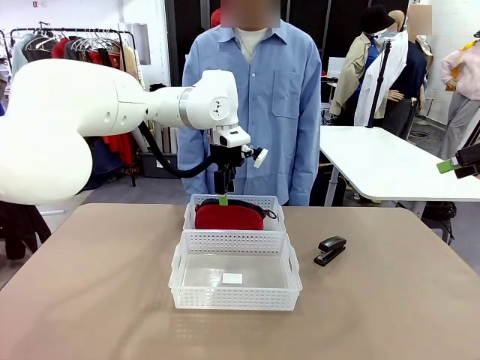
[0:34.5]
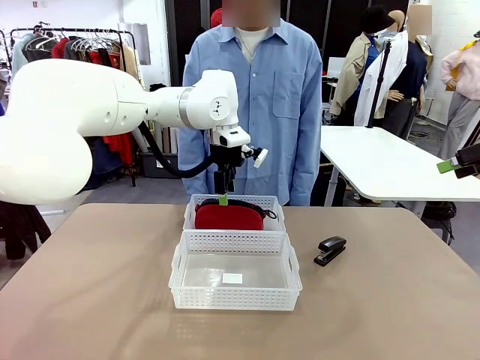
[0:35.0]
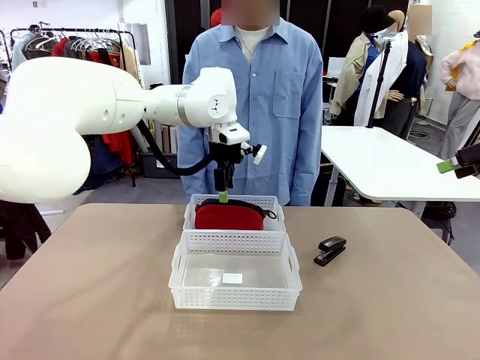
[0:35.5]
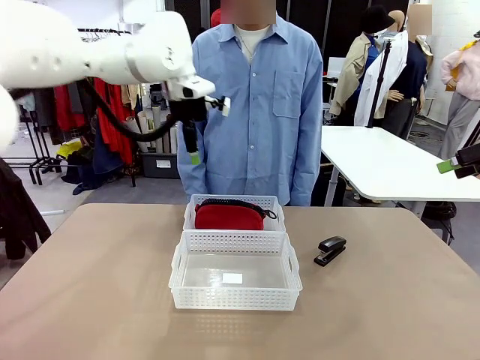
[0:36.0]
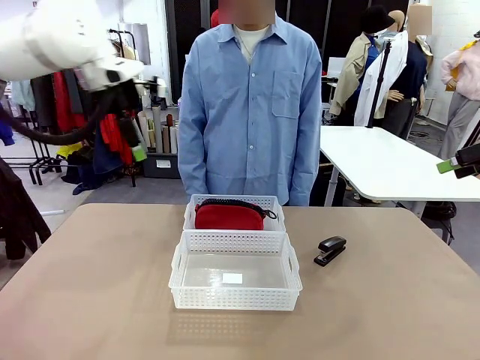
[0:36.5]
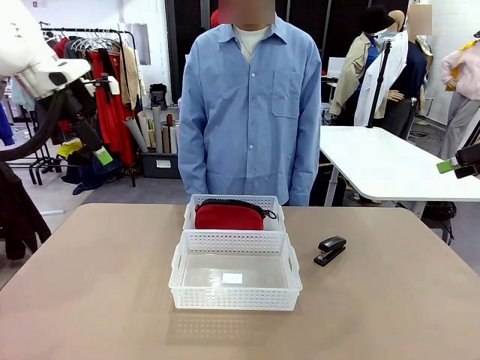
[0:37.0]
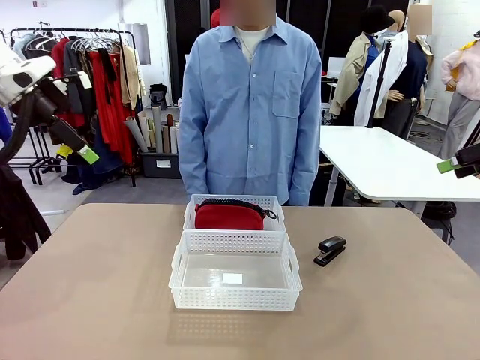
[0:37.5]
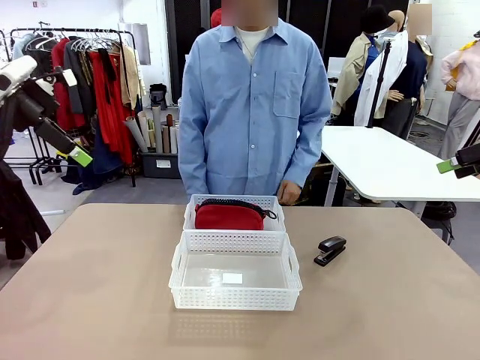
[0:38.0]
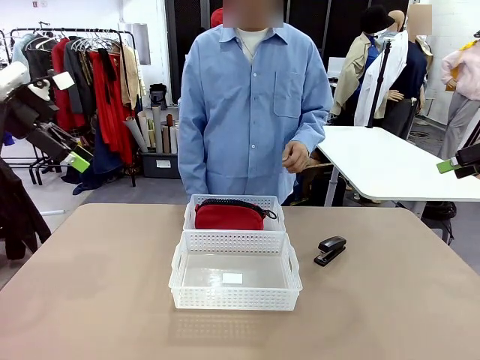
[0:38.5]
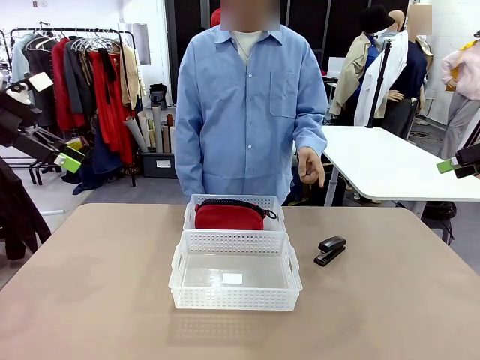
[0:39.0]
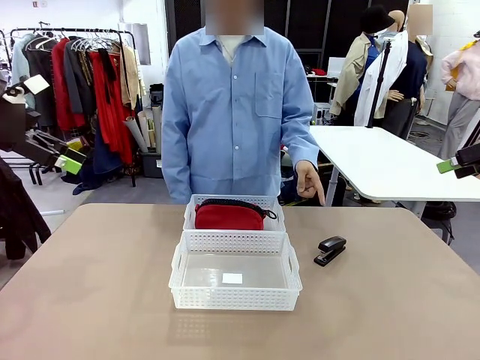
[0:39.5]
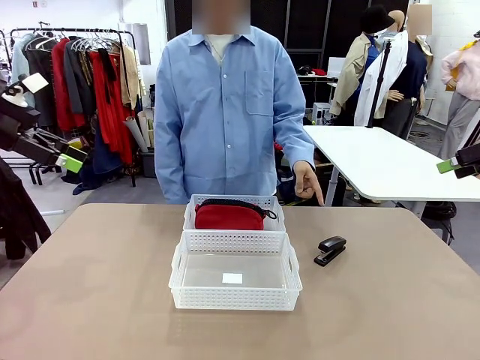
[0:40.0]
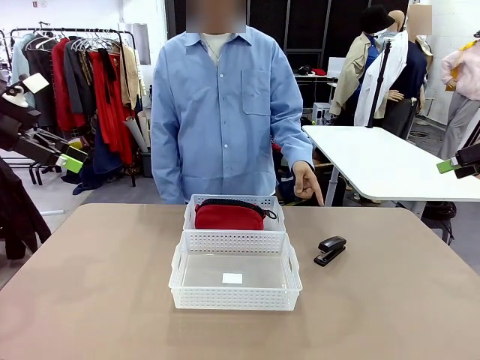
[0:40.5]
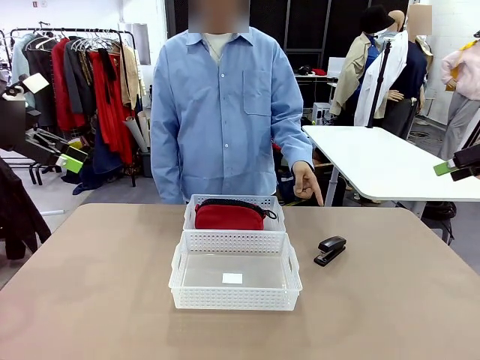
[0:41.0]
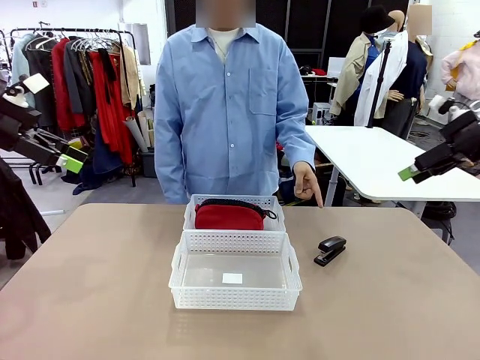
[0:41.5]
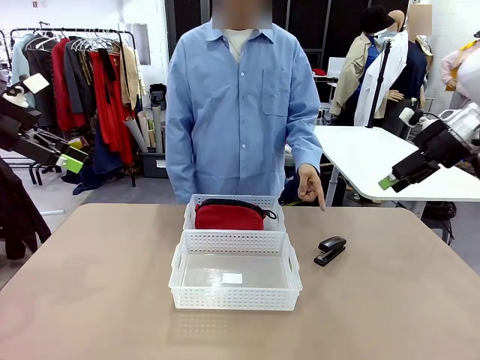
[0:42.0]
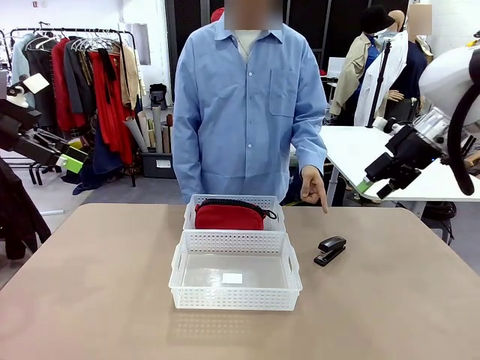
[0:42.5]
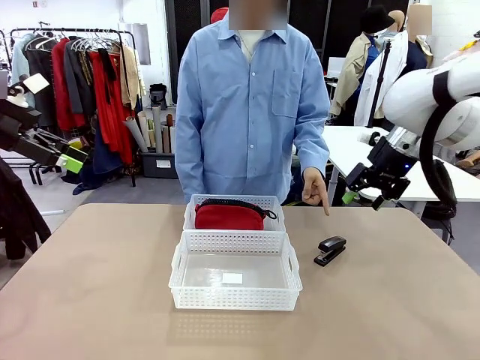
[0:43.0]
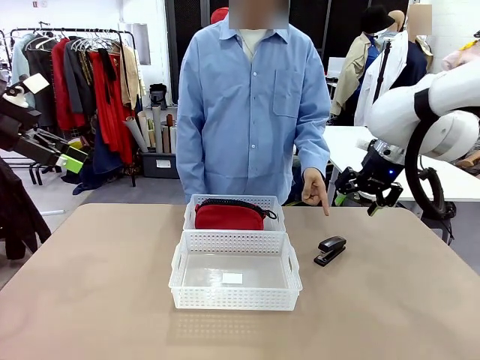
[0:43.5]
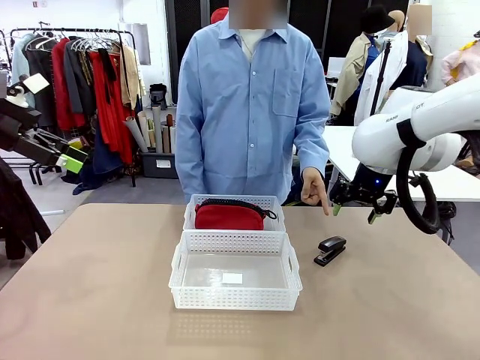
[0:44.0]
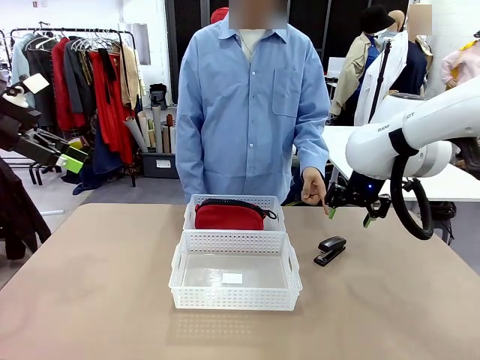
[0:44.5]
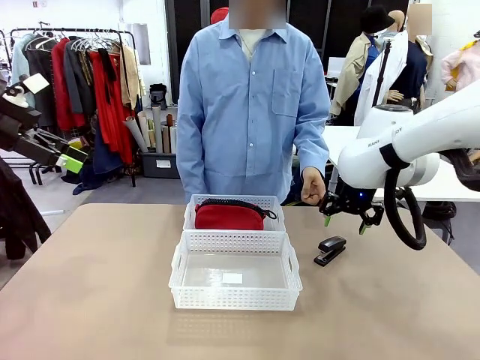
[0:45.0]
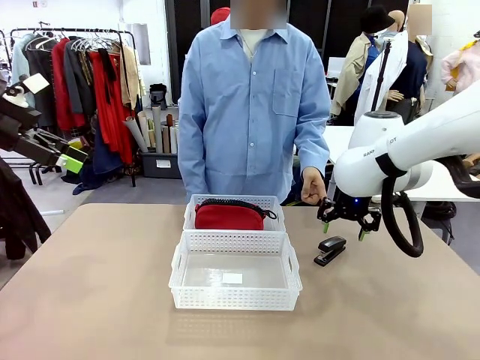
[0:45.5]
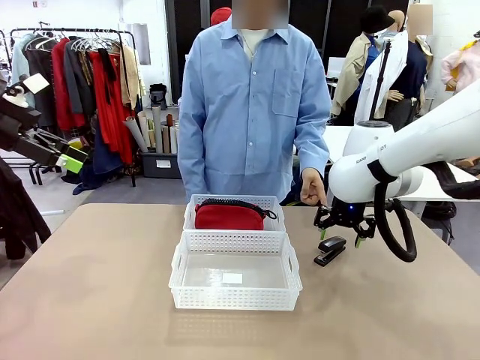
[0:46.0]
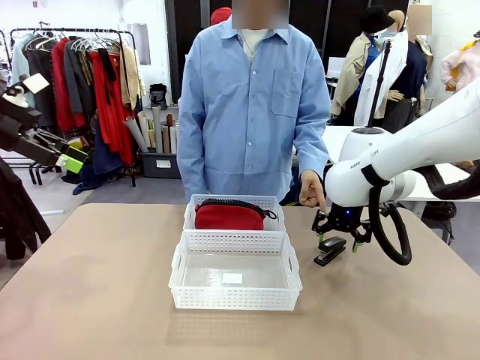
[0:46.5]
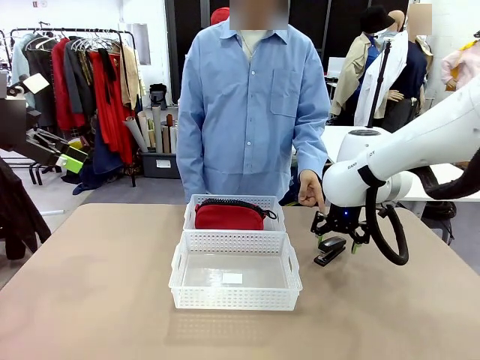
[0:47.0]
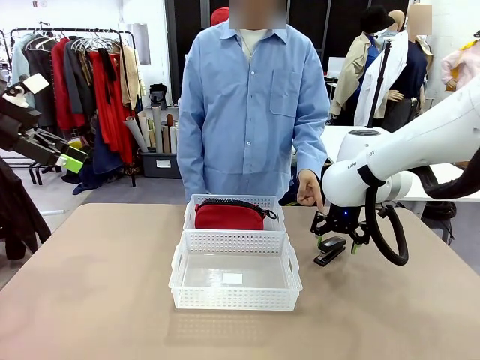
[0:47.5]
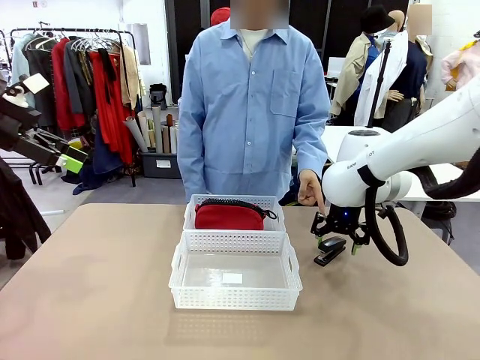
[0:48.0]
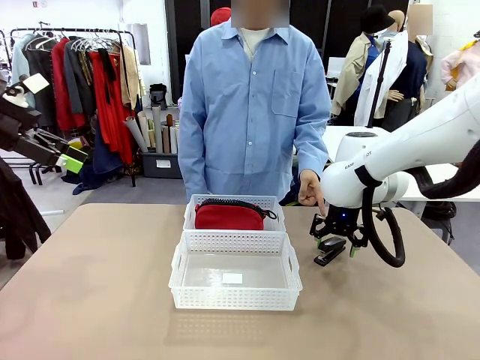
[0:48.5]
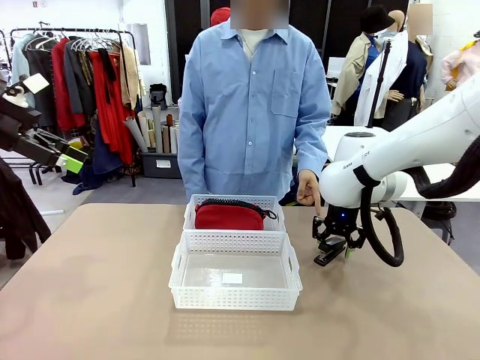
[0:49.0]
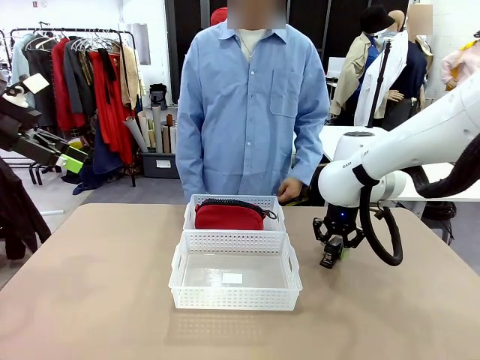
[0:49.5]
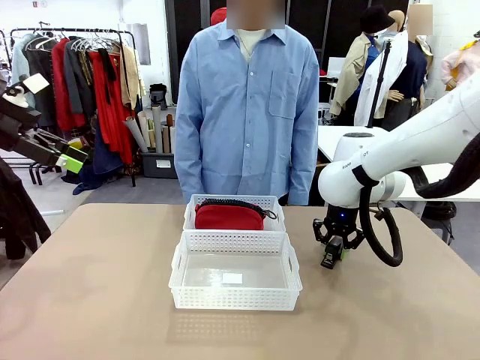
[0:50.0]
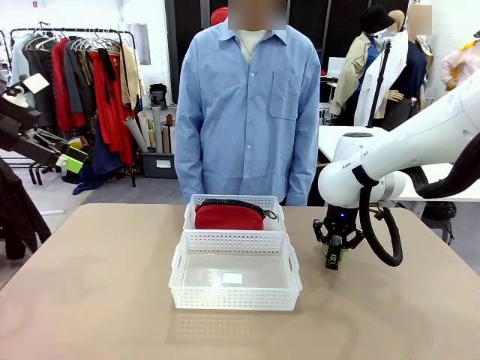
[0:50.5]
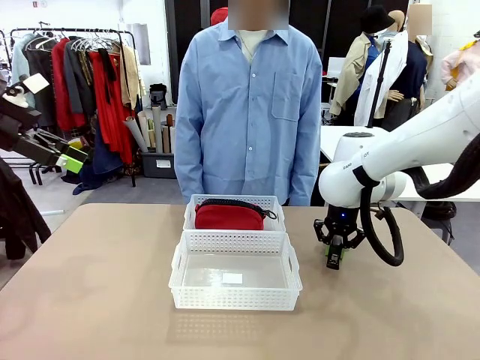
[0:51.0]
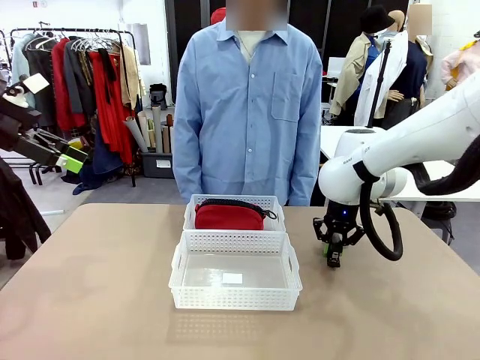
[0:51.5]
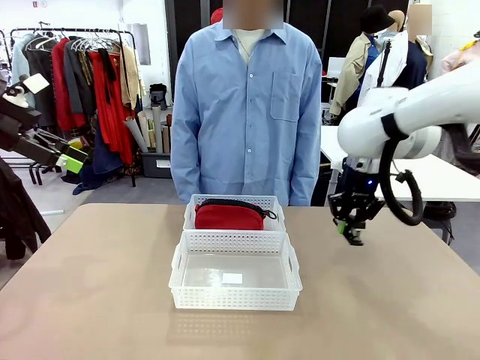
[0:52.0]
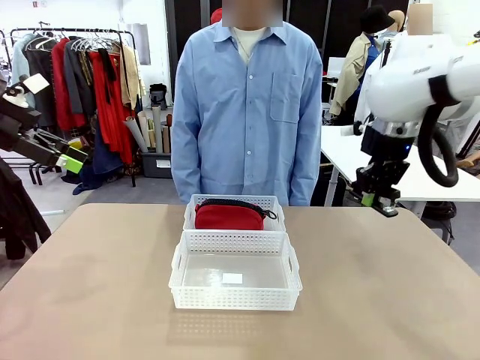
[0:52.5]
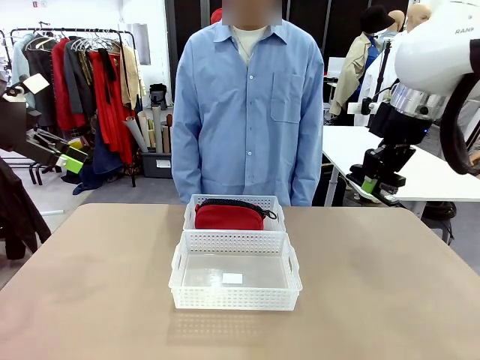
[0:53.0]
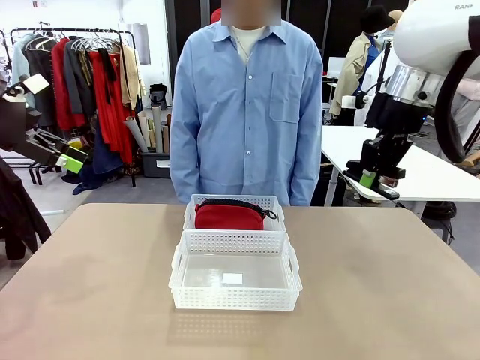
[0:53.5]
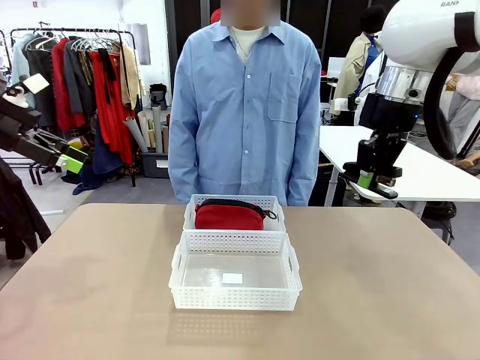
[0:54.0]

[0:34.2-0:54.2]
Task: Distribute items into two baskets.
Robot: Pick up the Stapler that the person points to.
Person: Points to the basket that does not contain the pencil case and instructs the robot to move the stapler there.

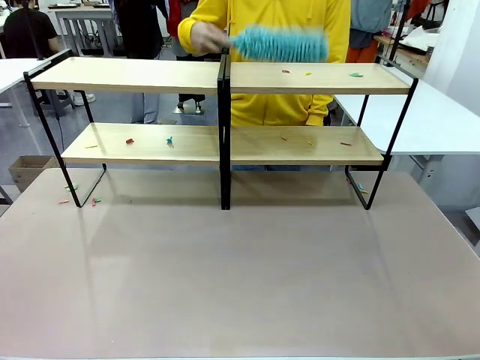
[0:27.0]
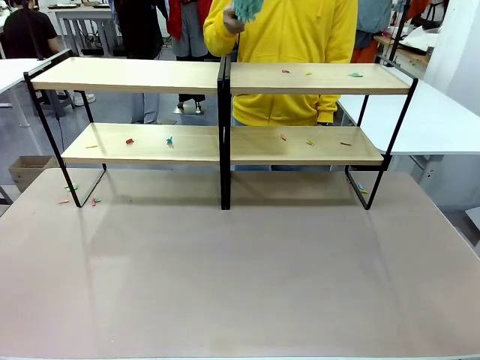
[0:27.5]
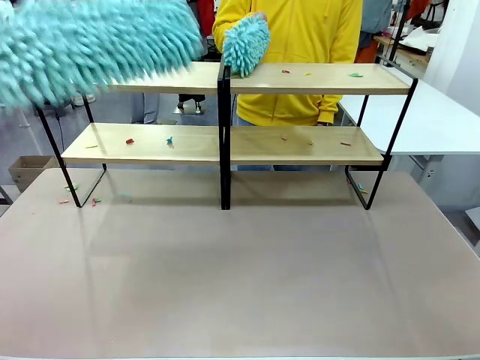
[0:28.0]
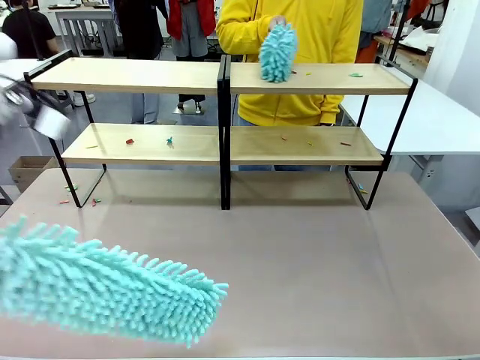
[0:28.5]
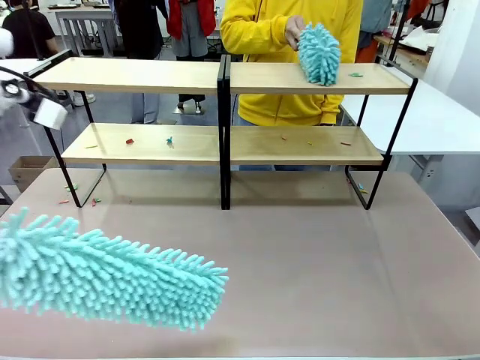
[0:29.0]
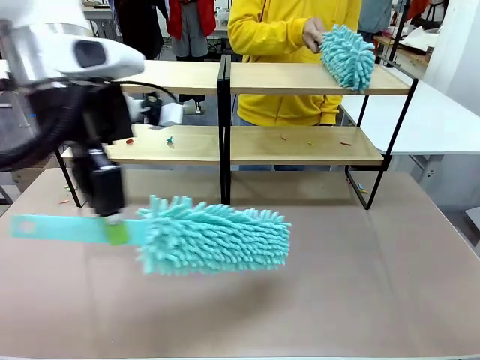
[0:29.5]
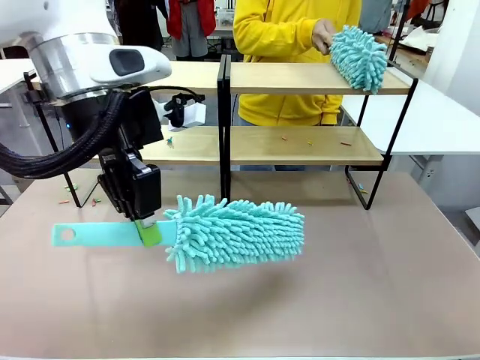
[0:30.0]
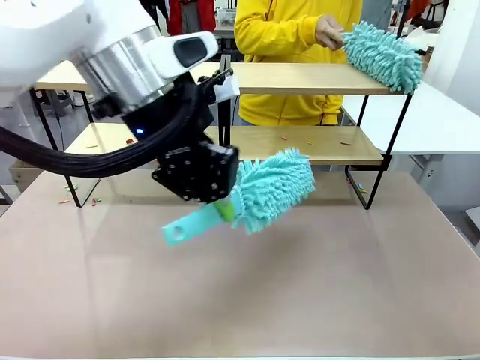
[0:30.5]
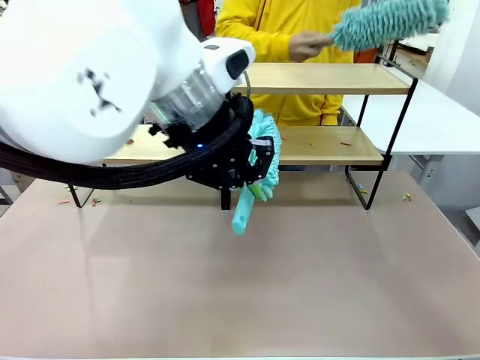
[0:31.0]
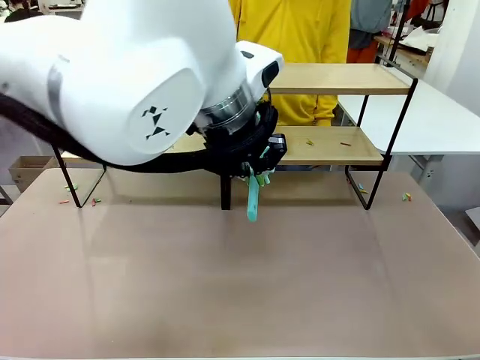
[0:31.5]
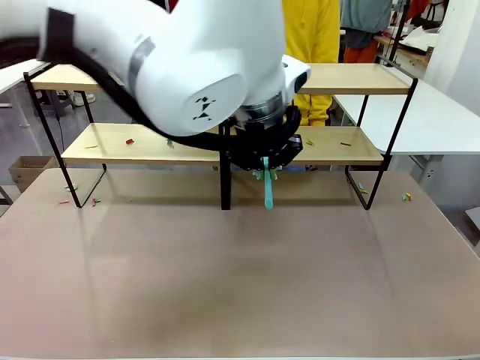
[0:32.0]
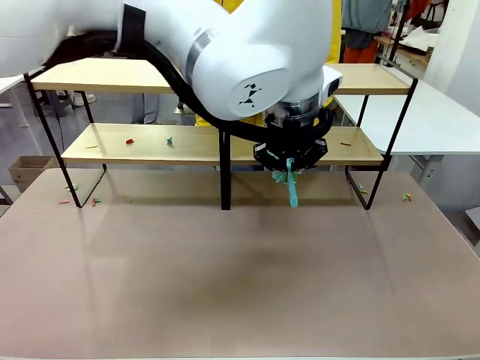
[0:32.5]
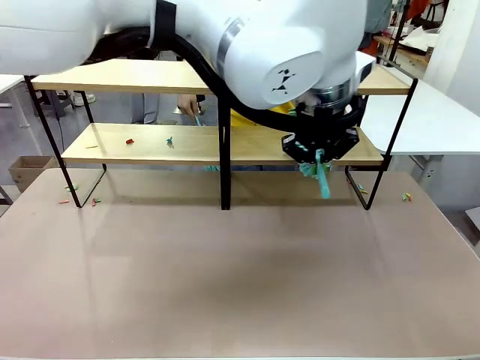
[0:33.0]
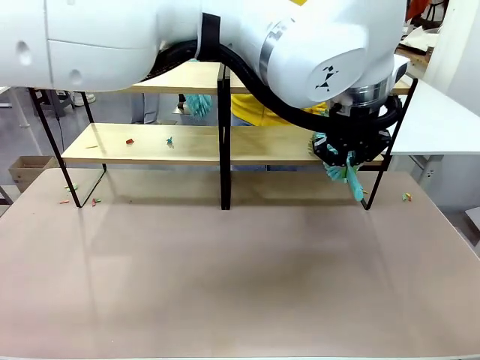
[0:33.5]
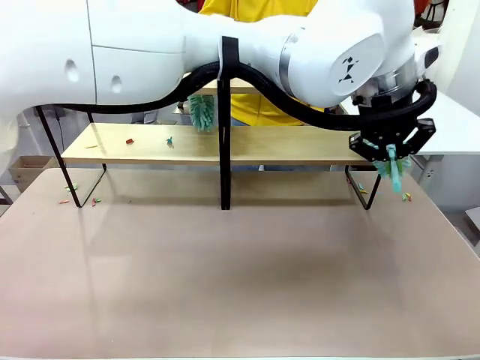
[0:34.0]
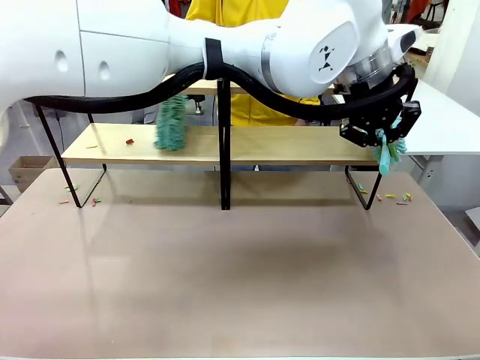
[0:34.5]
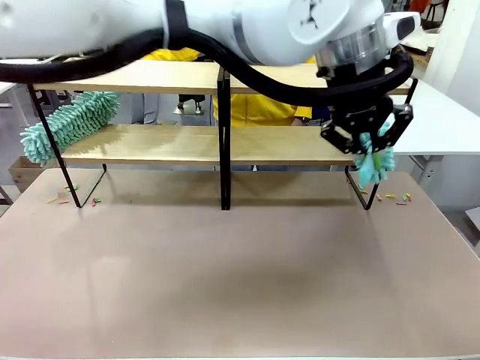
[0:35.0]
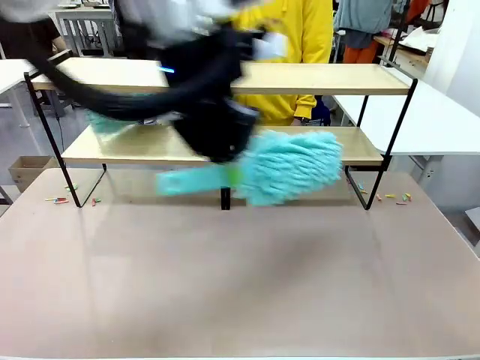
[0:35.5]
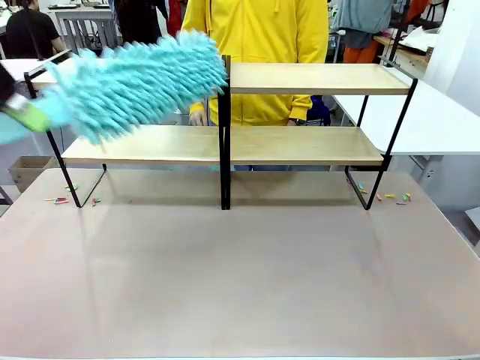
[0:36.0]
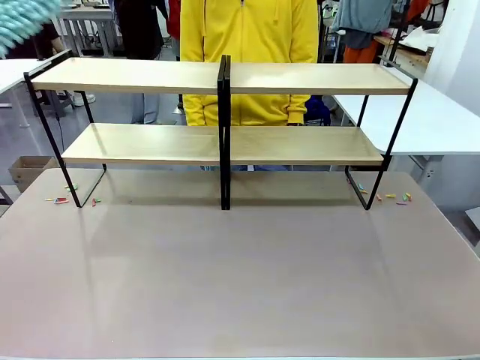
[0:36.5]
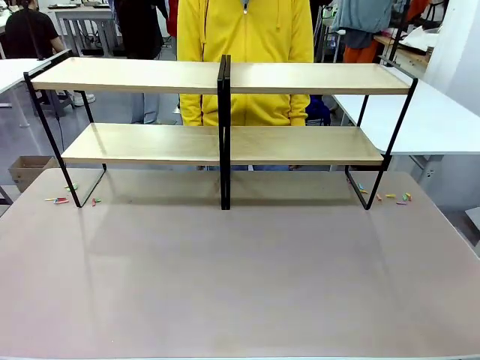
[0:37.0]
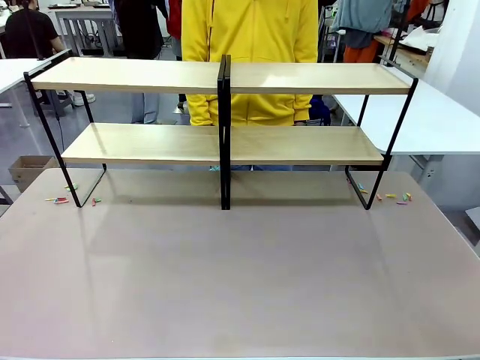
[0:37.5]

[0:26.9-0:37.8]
Task: Clean the shelves.
Robot: Clean another randomly selected level of the Shelf with the Duster.
